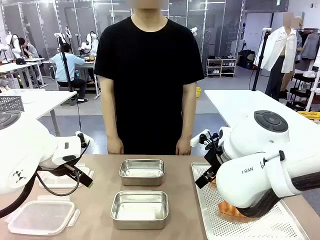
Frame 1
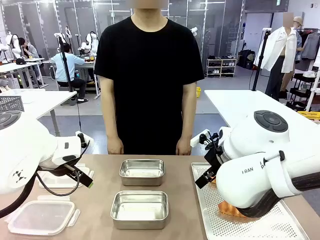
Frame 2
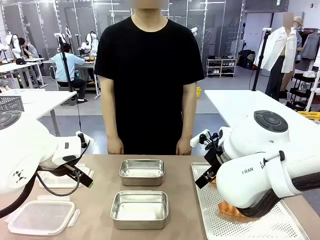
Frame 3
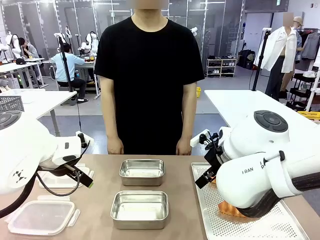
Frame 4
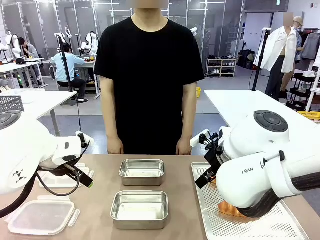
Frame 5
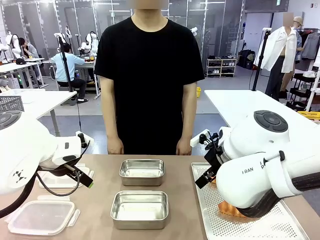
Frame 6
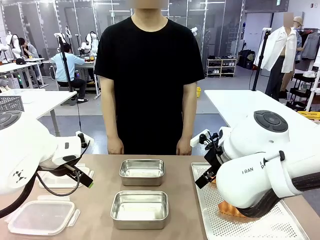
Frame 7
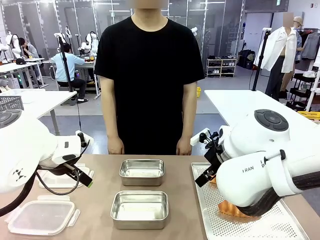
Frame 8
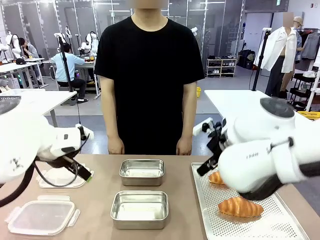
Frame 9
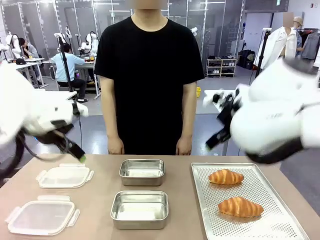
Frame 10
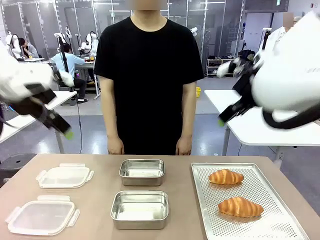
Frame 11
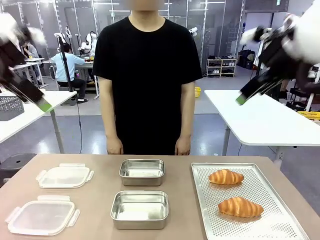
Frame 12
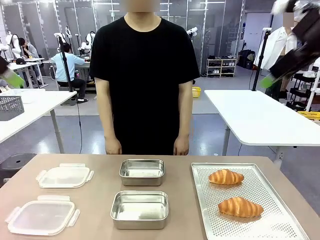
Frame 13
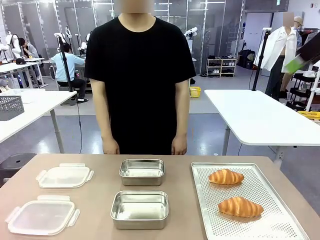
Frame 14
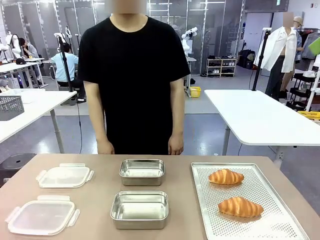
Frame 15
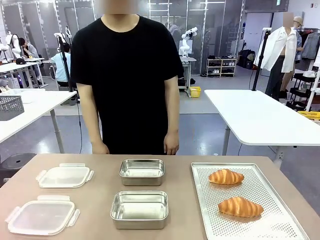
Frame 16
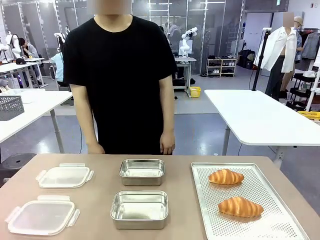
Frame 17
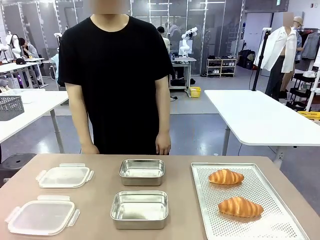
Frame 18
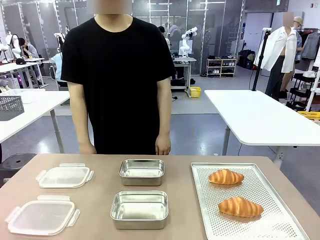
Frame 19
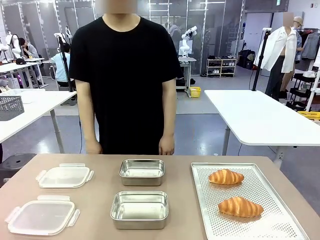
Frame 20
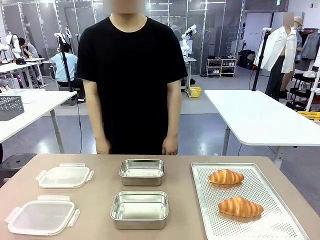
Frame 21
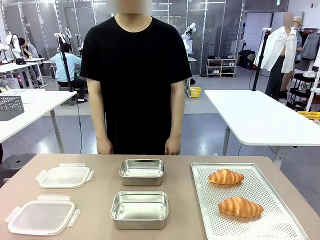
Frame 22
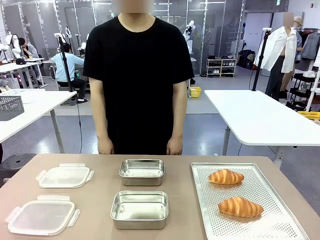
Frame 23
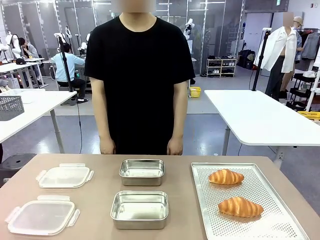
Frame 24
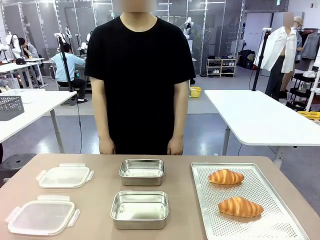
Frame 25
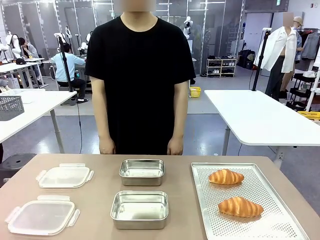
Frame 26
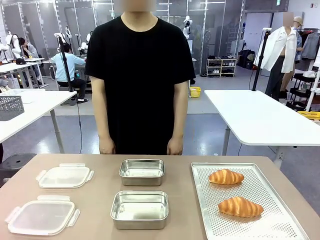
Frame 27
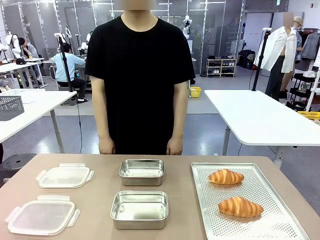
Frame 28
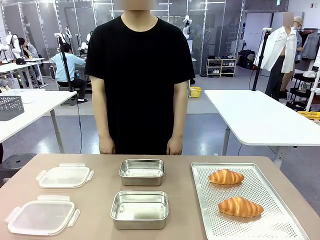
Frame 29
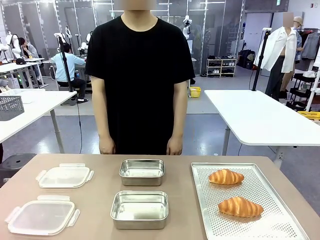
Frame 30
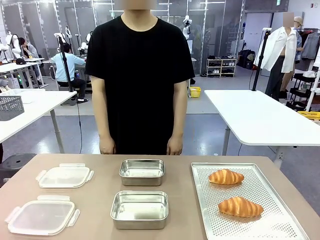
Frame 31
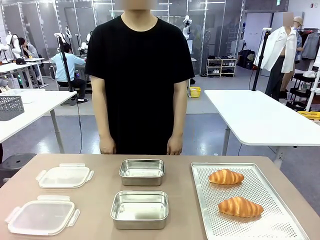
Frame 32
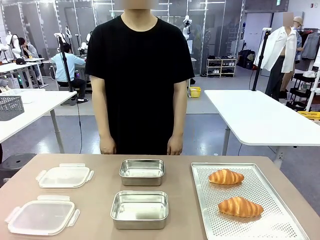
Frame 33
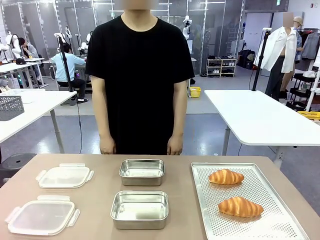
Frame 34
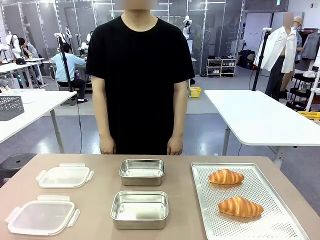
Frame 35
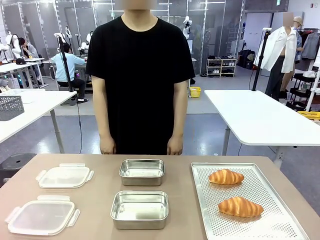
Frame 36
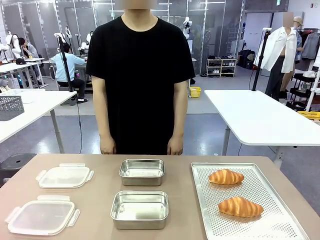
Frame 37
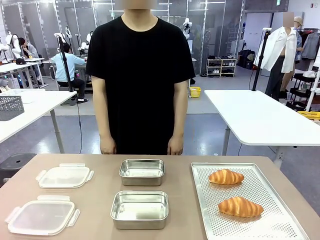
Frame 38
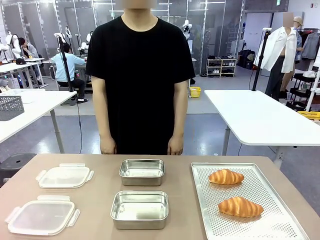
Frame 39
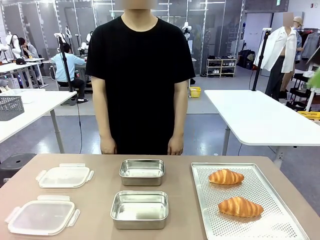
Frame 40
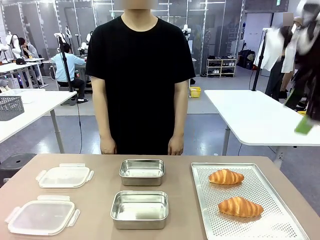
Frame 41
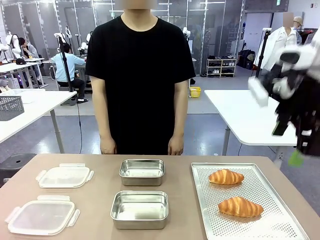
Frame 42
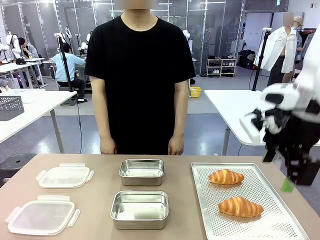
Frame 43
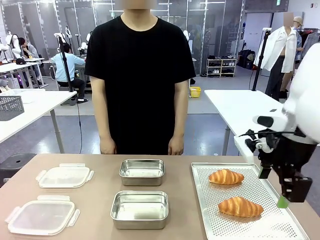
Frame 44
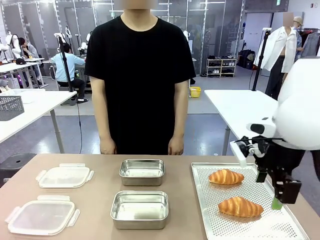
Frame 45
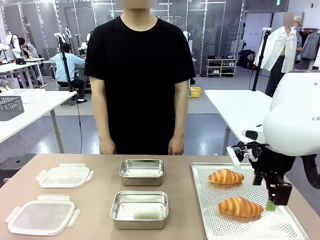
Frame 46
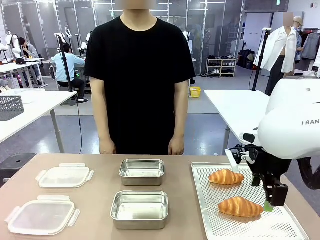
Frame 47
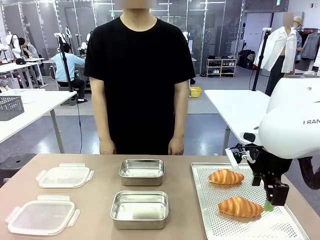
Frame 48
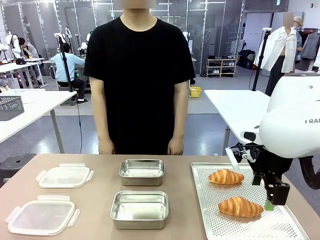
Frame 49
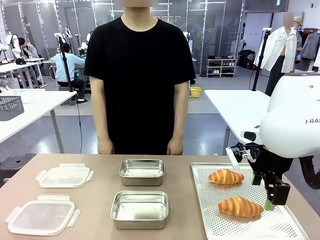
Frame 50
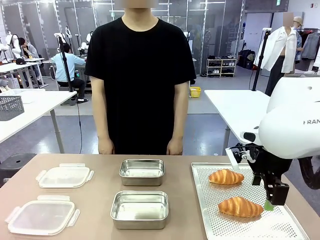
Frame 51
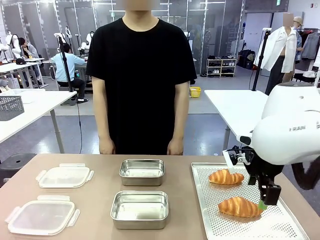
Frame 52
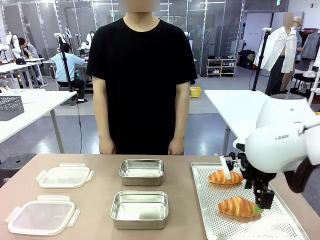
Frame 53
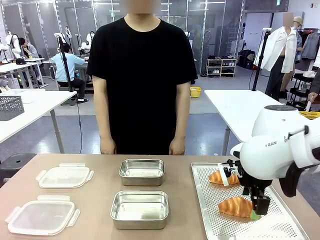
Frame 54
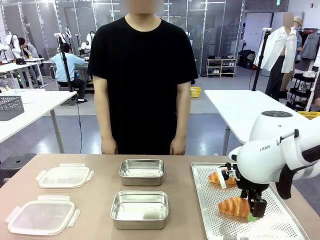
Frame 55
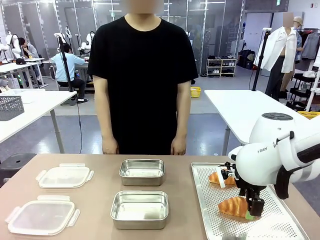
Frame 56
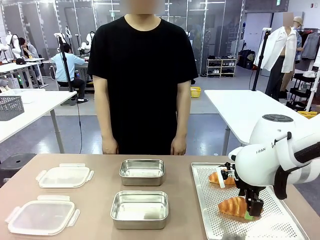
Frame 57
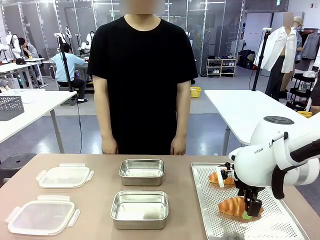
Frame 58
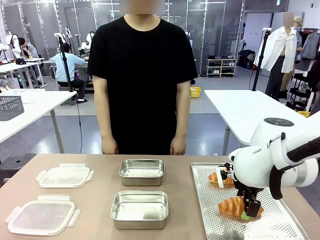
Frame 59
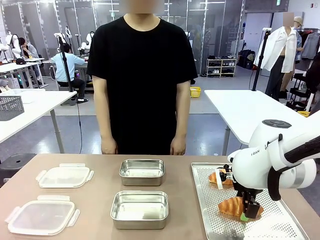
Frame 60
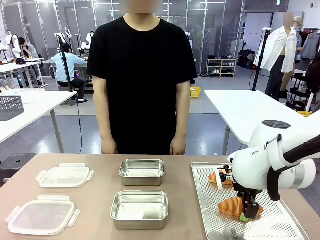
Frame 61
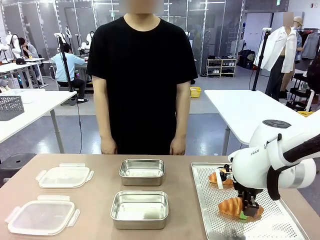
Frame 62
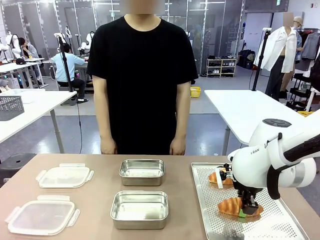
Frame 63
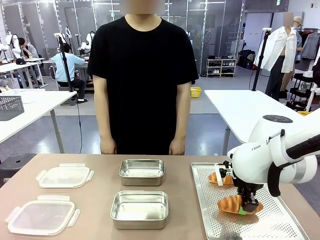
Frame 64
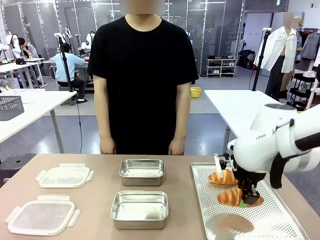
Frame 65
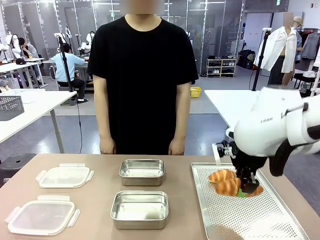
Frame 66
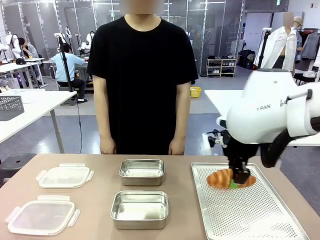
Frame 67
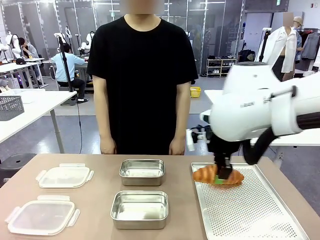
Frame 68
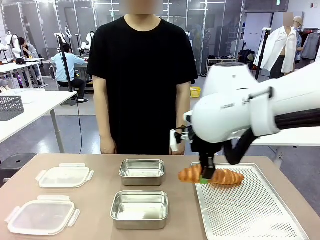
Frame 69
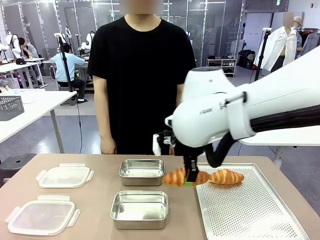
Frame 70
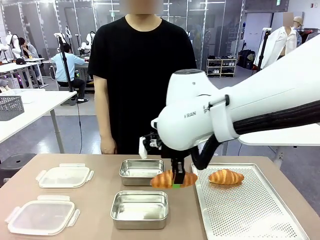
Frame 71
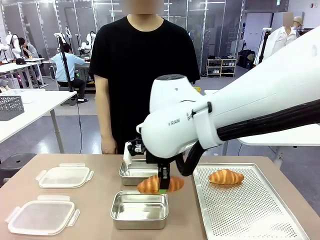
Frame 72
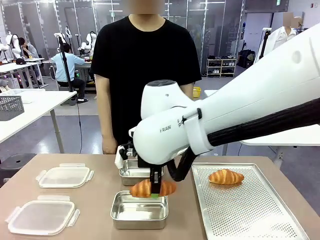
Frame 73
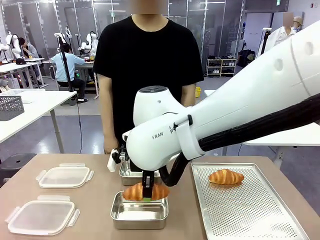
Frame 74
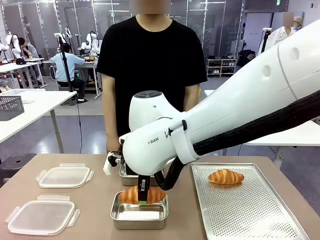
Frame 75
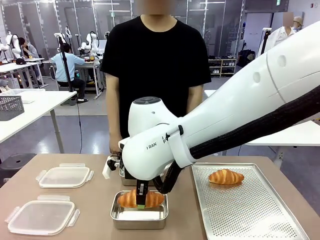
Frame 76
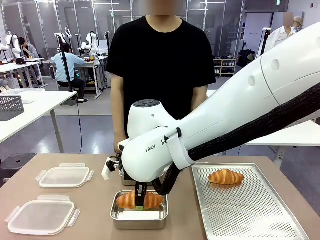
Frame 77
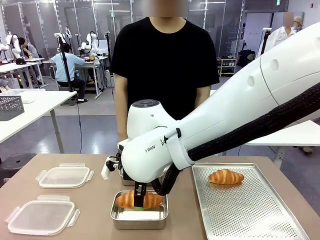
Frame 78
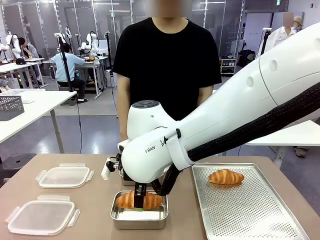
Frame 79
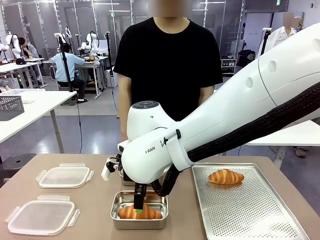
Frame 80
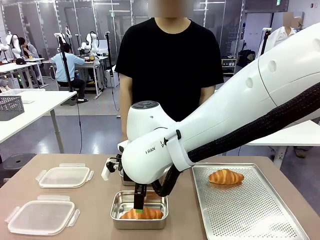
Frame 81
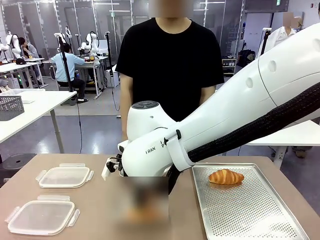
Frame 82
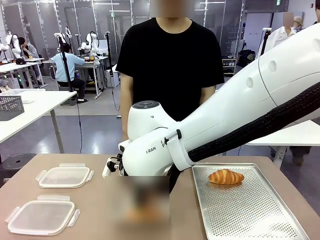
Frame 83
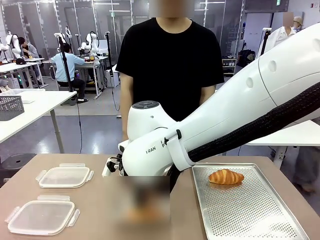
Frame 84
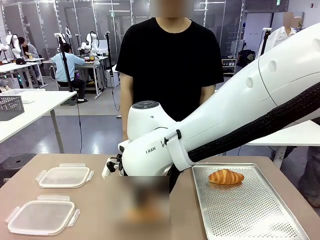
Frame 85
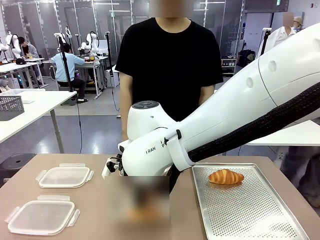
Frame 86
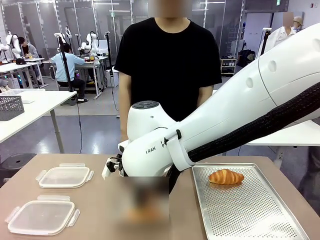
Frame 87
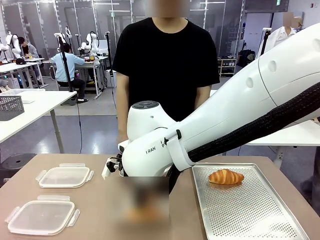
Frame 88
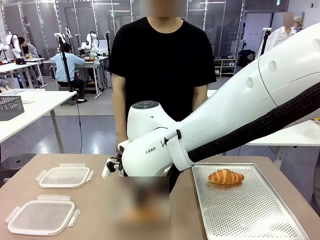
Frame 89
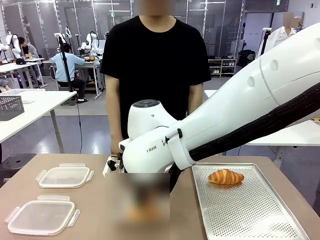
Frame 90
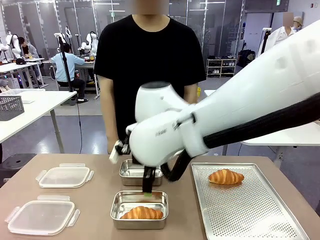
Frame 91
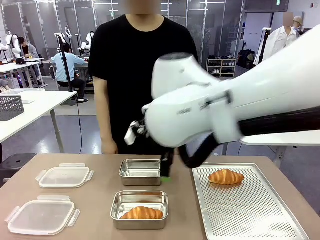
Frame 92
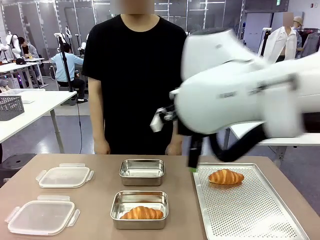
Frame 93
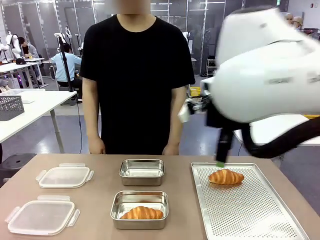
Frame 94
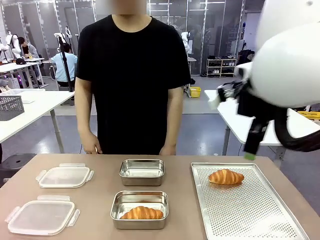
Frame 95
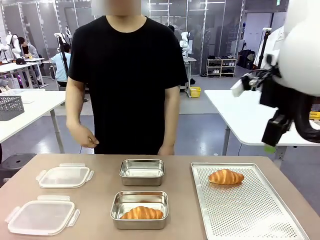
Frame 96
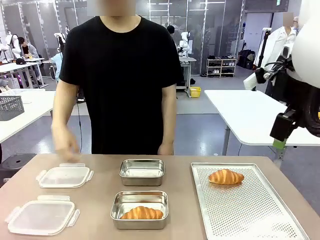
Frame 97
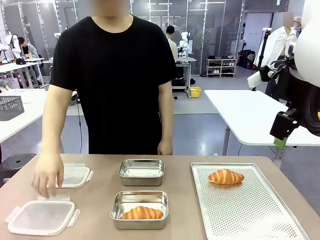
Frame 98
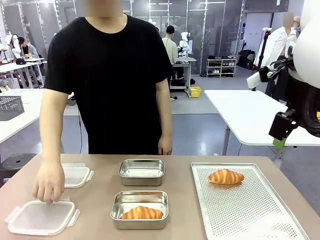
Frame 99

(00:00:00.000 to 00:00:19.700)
Task: Place the bread into the airtight container.
Robot: Pick up a Butter Roll and place it into an empty Airtight Container.
